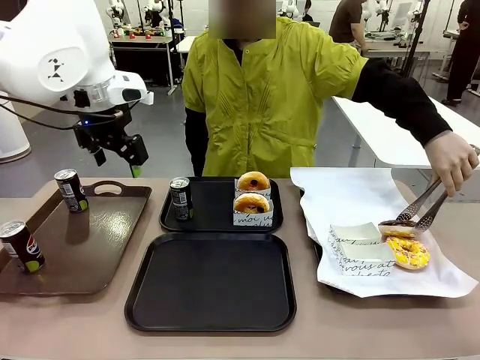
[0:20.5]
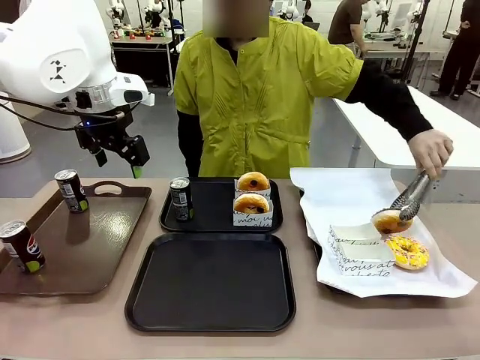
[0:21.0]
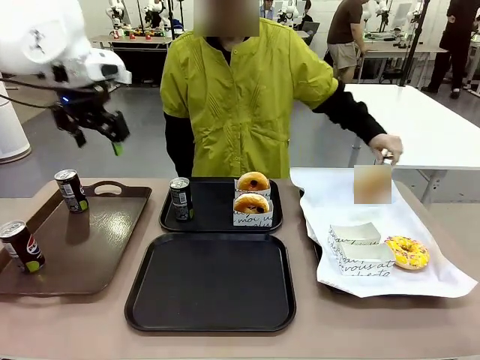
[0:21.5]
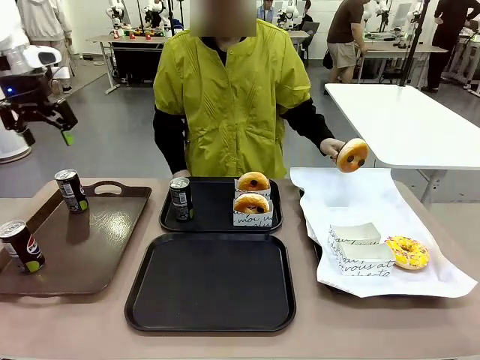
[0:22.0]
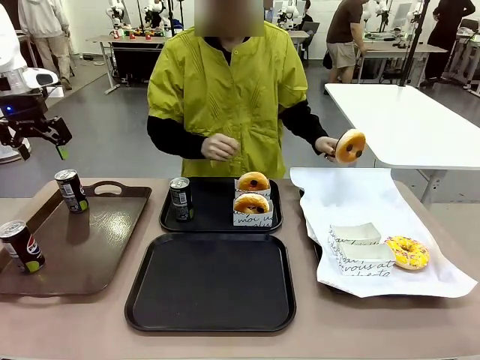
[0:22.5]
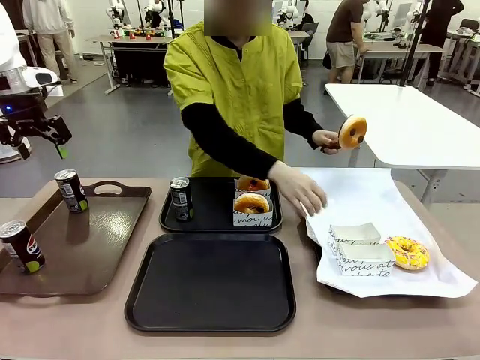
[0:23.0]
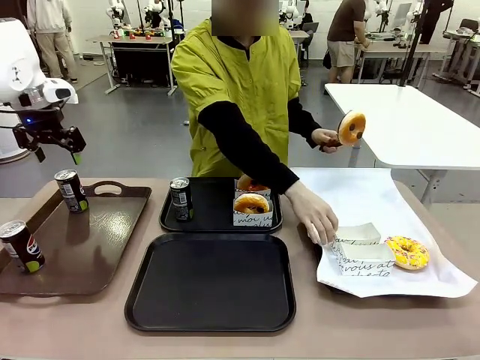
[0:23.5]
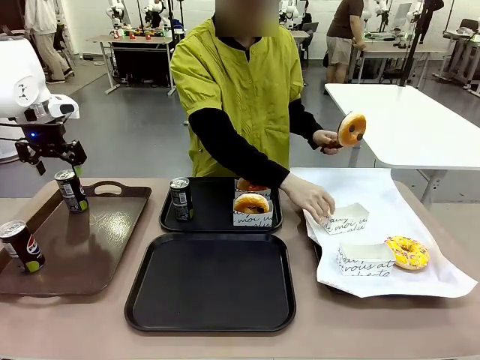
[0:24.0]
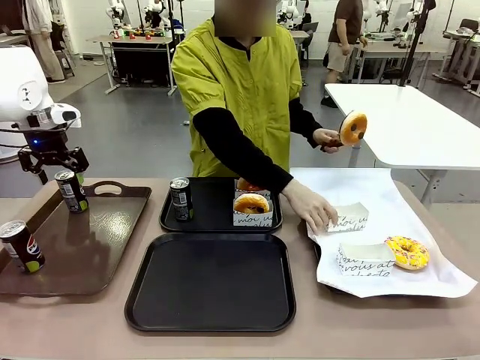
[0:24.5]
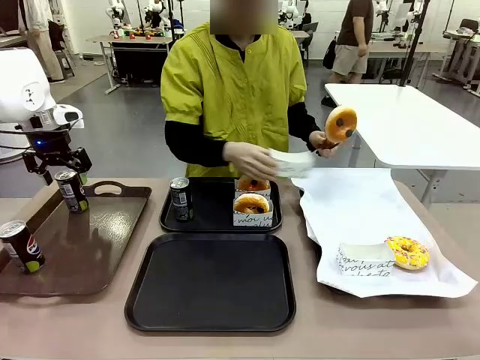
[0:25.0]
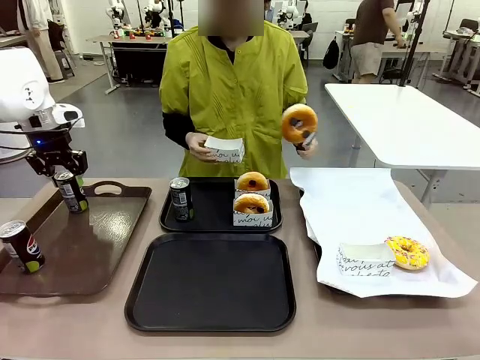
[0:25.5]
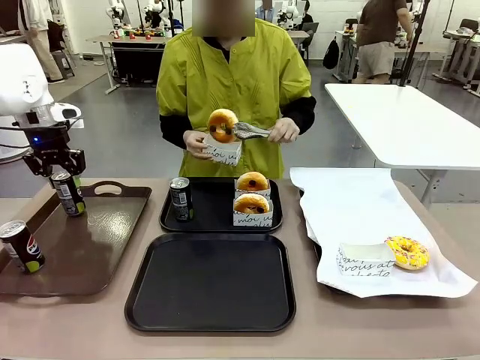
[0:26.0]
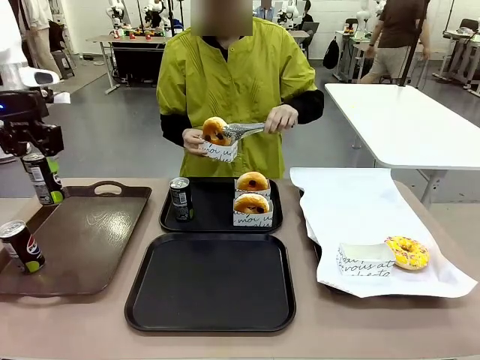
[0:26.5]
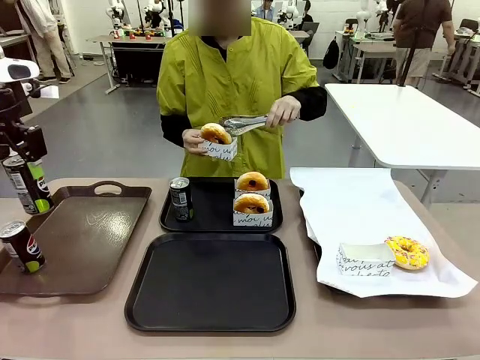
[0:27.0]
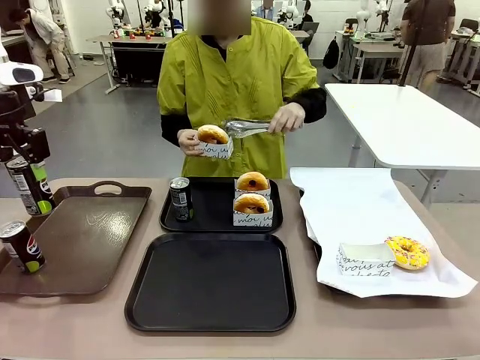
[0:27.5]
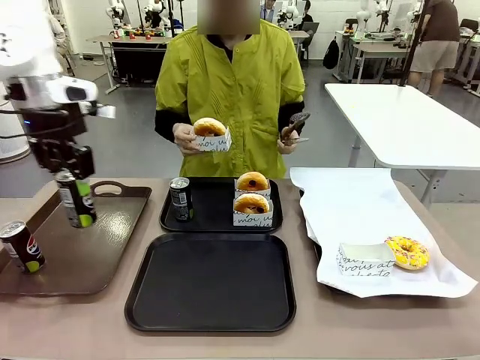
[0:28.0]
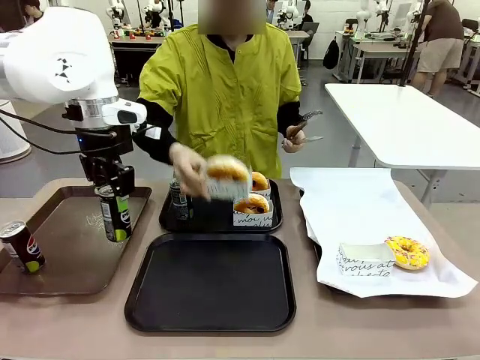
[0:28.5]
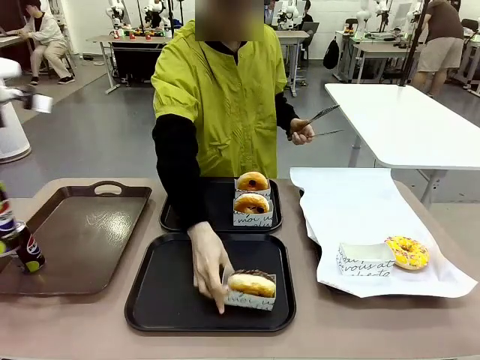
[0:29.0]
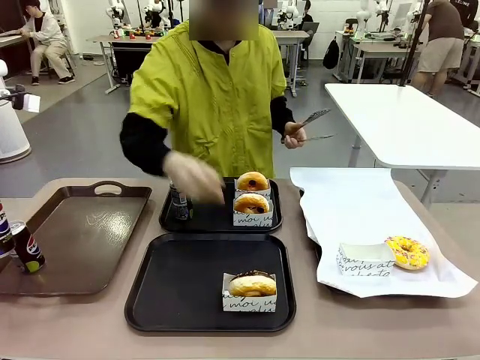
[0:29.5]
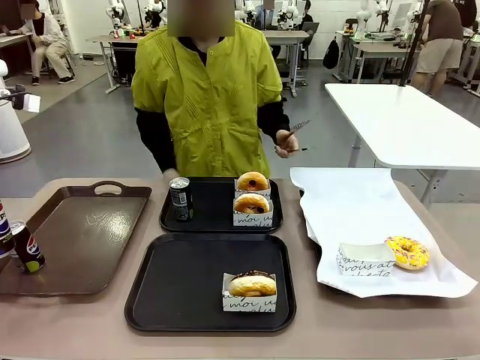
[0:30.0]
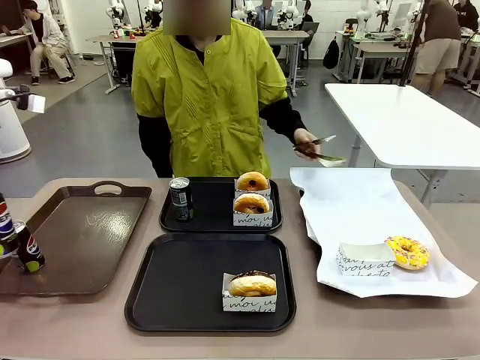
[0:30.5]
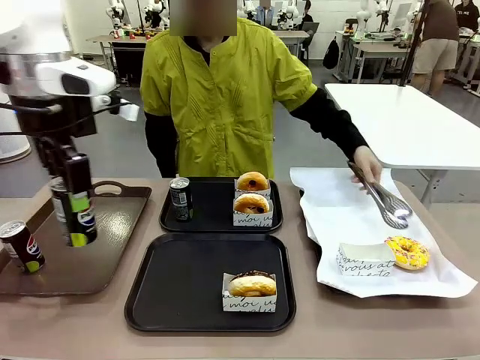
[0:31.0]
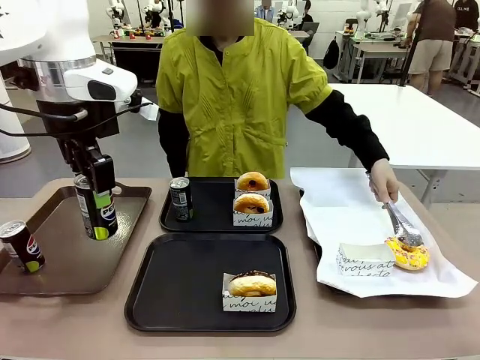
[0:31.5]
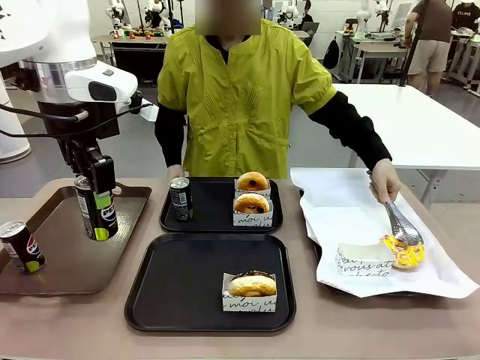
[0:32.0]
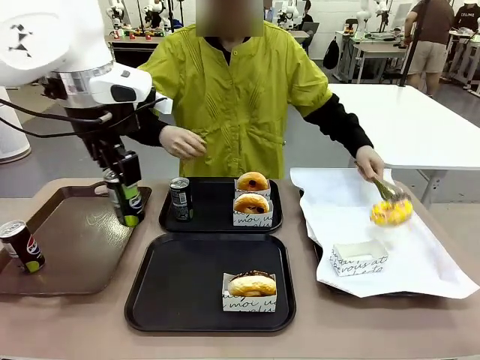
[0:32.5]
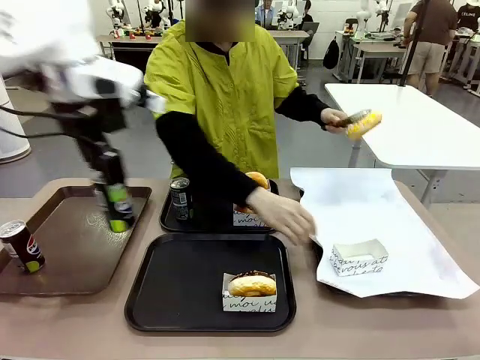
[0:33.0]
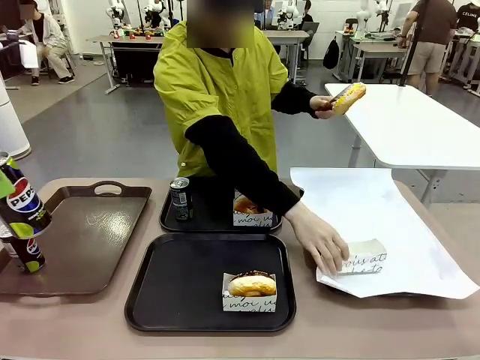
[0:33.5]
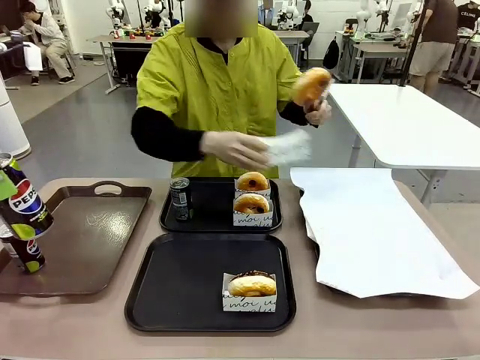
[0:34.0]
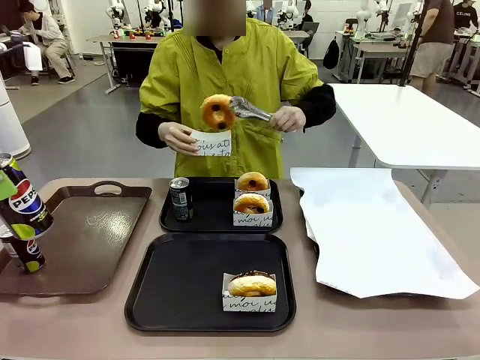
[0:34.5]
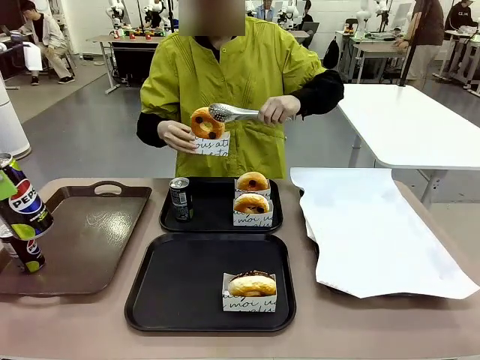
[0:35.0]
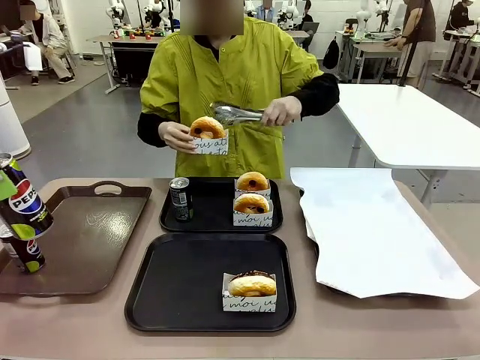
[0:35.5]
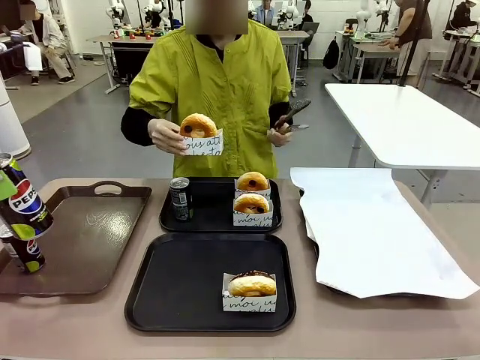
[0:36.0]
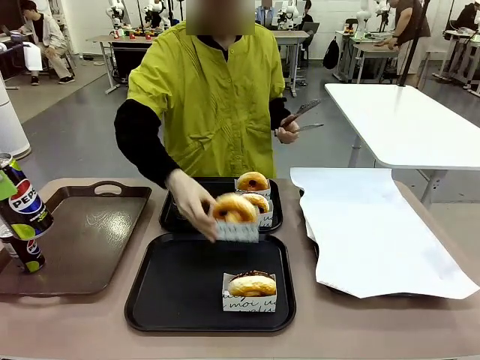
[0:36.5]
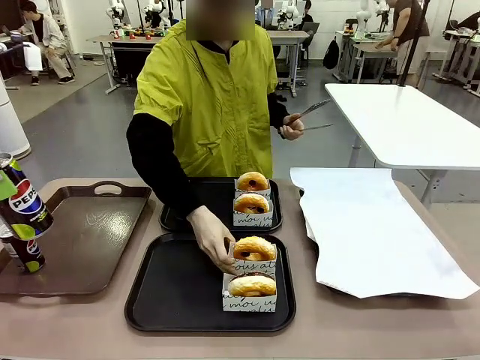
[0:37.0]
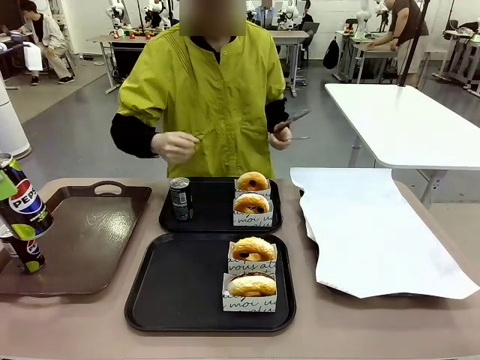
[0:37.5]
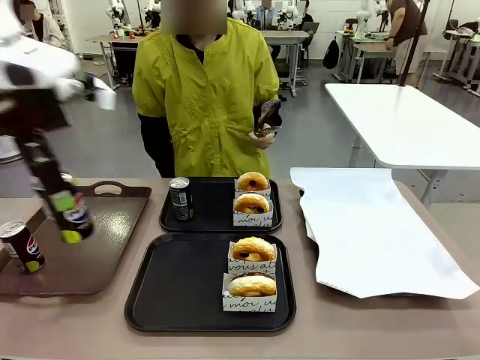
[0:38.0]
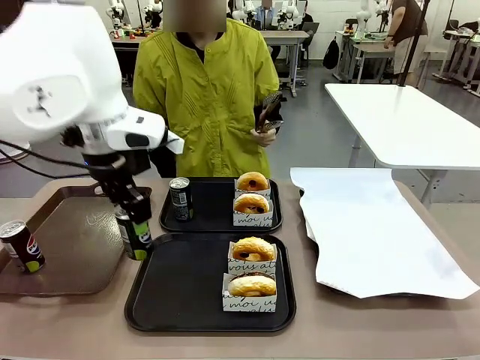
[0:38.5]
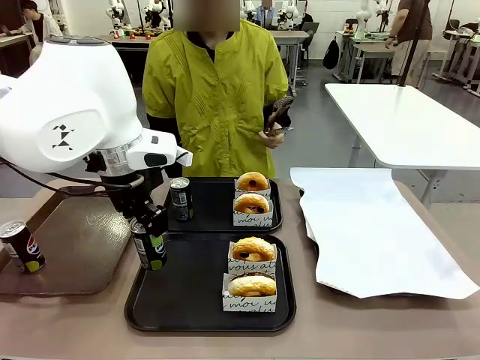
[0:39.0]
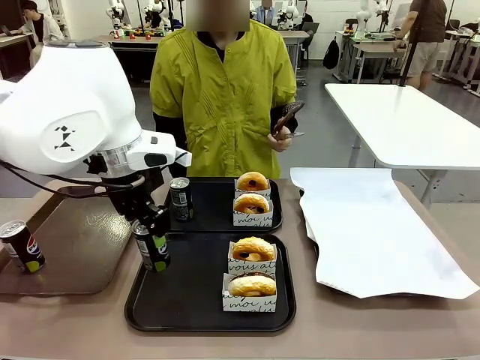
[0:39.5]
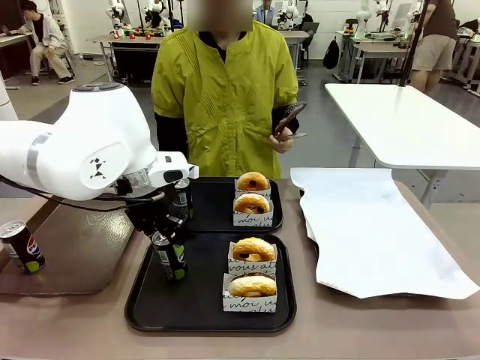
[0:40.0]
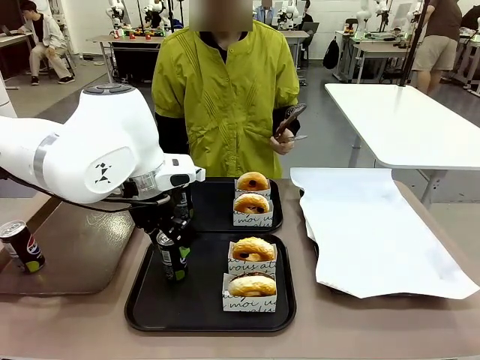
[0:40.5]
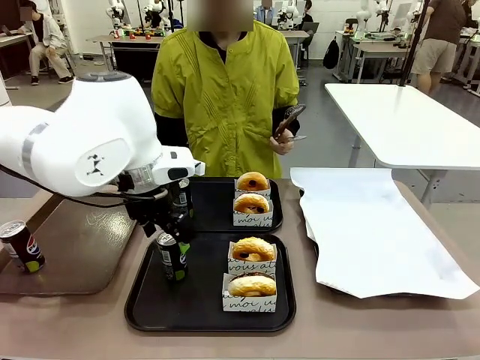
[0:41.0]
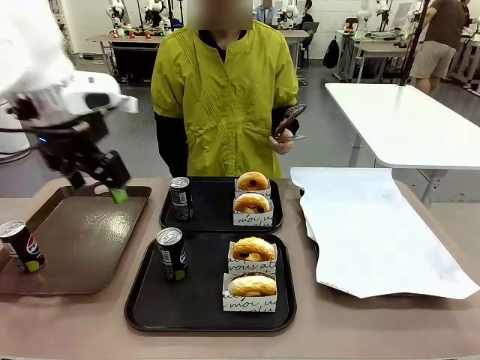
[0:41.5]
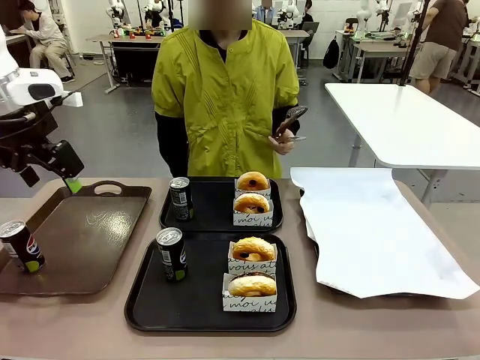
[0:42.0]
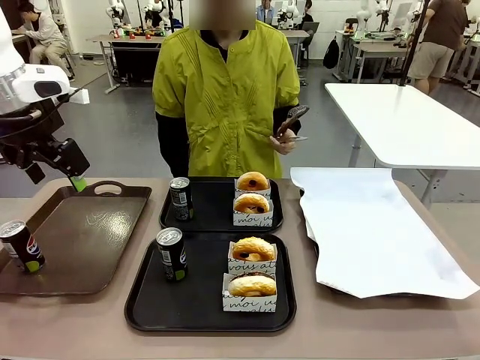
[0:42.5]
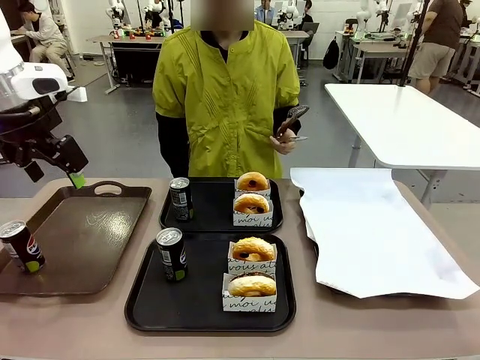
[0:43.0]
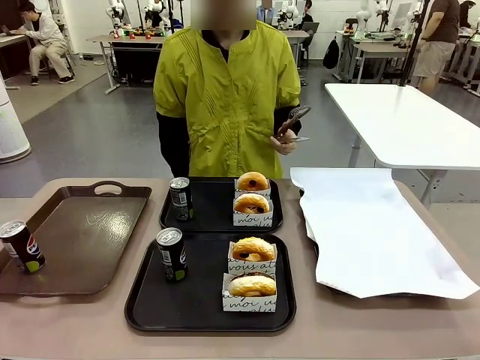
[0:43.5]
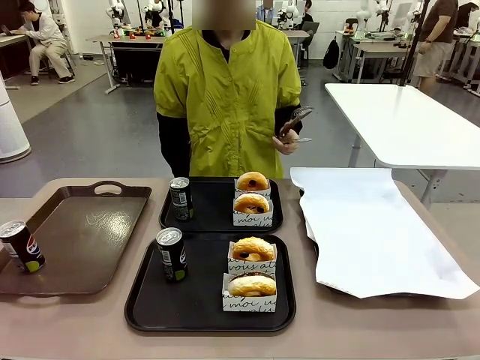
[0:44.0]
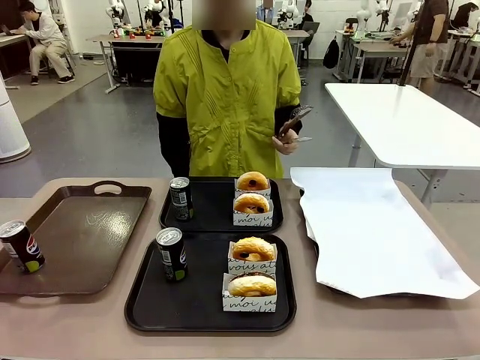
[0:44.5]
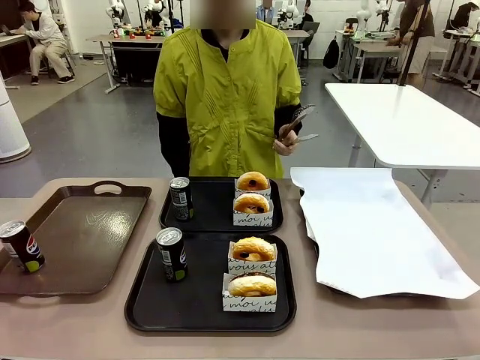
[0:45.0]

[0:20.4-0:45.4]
Task: Set up donuts and drinks on trays.
Robot: Pick up one Pepsi coke from the Handle tray and place it on the Flat Tray without a Pepsi coke.
Person: Pick up one donut with tongs, place it in the donut tray, and then place the donut tray on the flat tray.

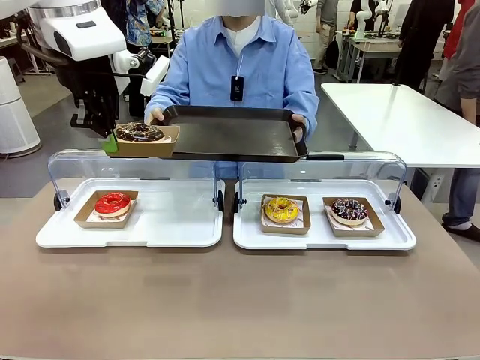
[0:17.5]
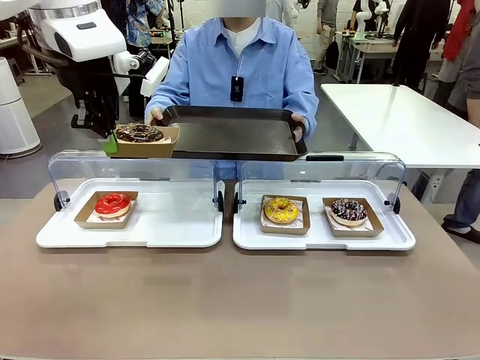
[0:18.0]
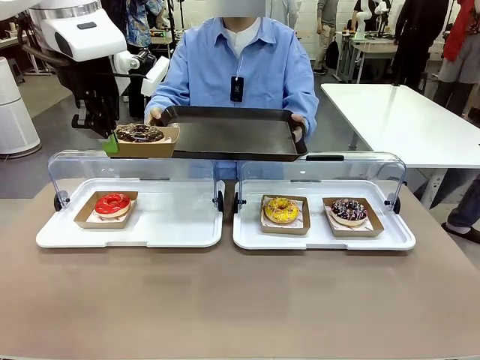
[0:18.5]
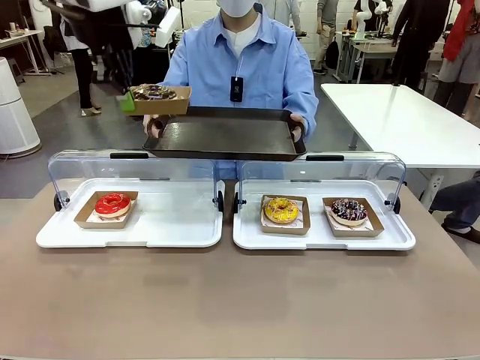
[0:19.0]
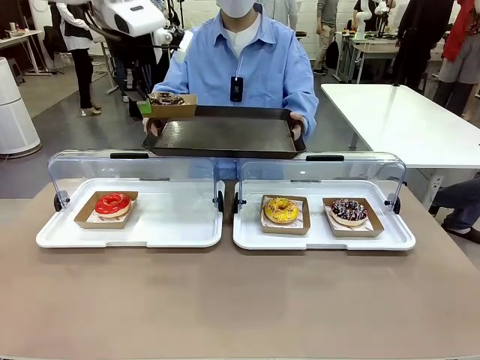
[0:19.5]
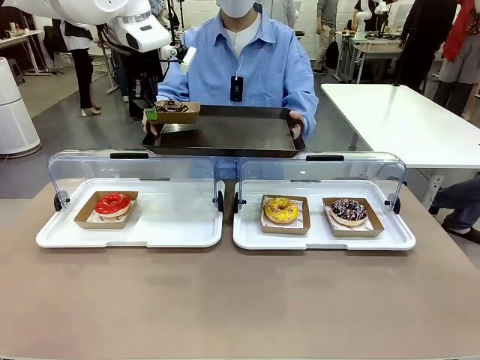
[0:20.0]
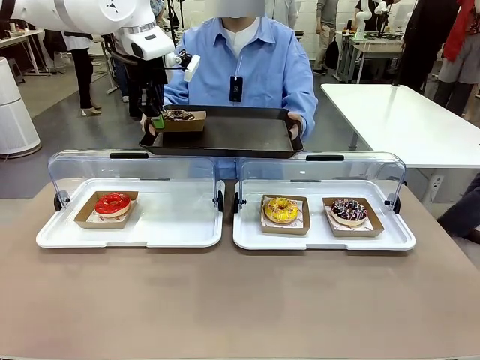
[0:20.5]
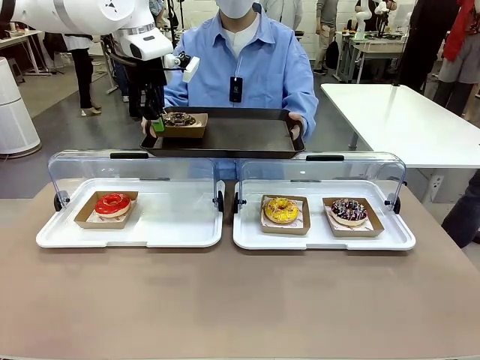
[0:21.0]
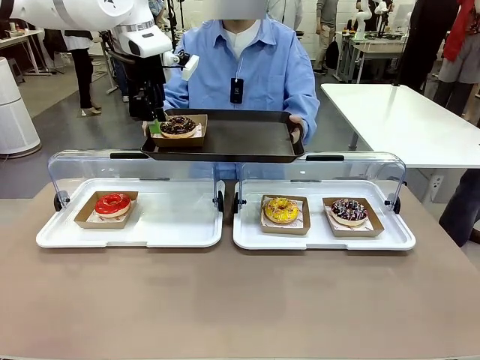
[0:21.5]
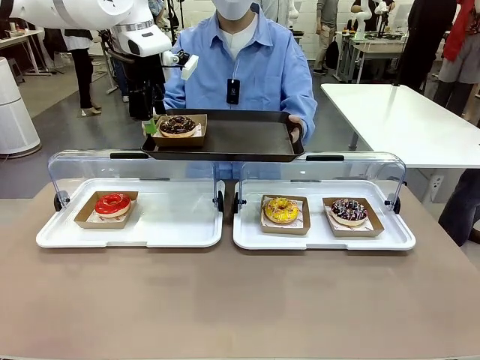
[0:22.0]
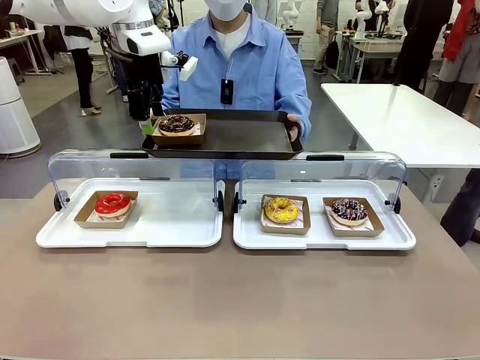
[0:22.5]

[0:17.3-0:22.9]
Task: Provide the desired donut to the person.
Robot: Place the picked Paper togo box onto the Handle tray extended by the person.
